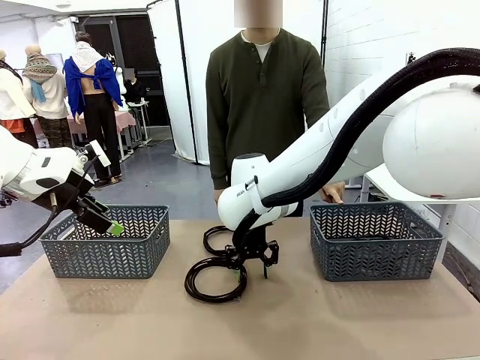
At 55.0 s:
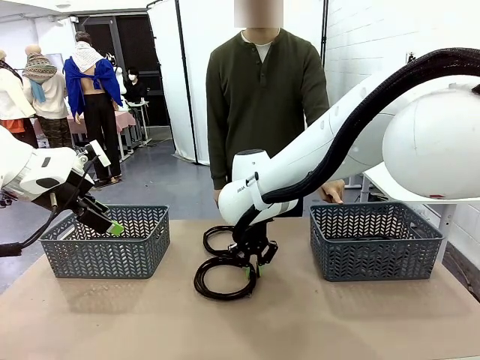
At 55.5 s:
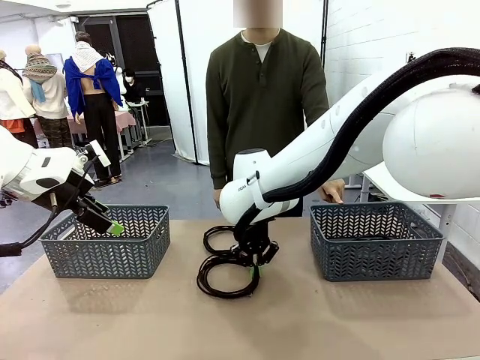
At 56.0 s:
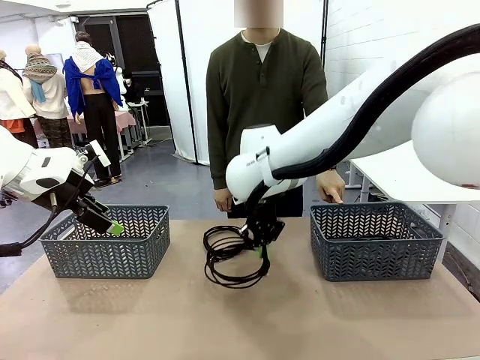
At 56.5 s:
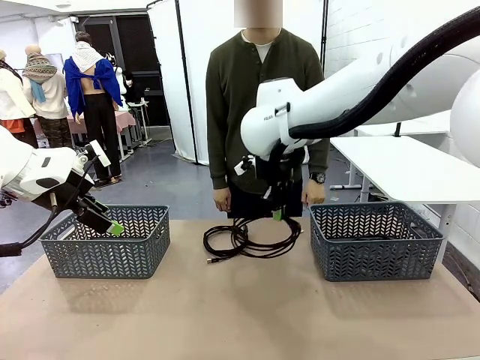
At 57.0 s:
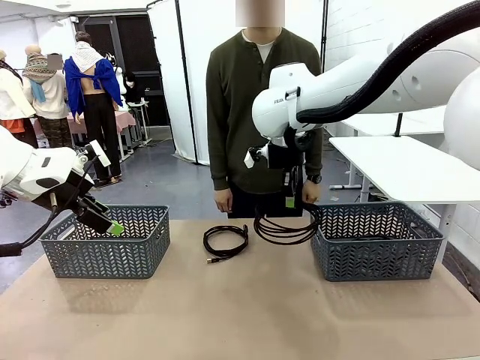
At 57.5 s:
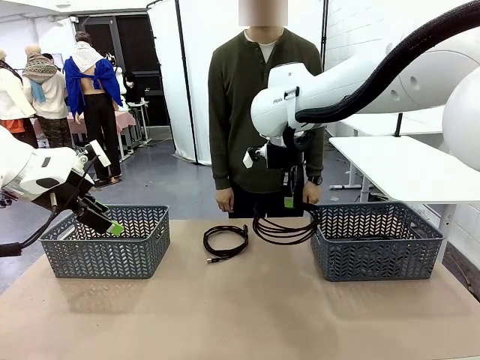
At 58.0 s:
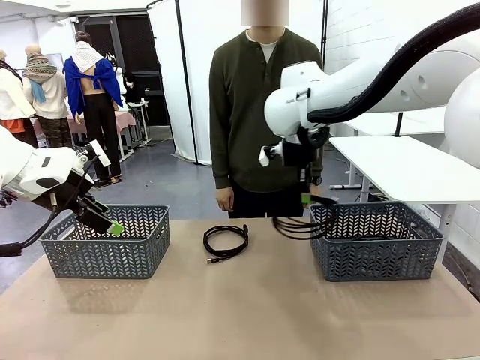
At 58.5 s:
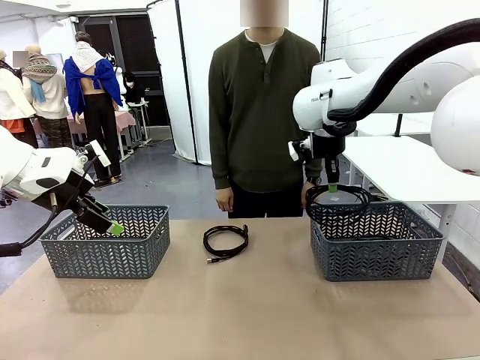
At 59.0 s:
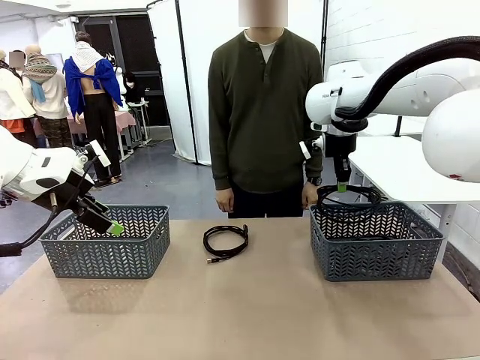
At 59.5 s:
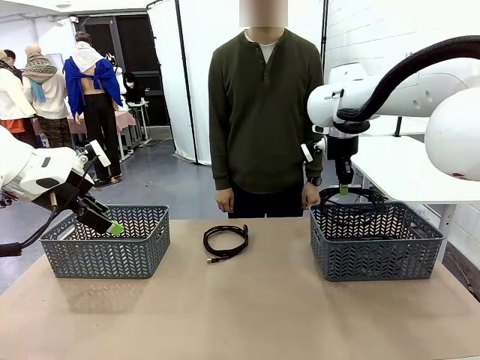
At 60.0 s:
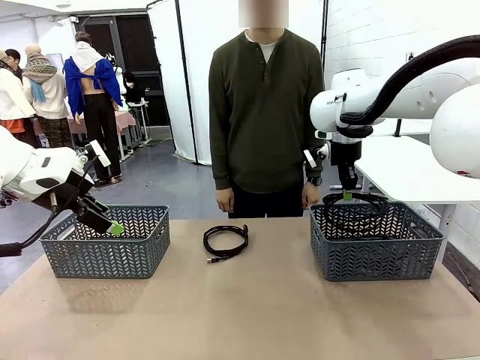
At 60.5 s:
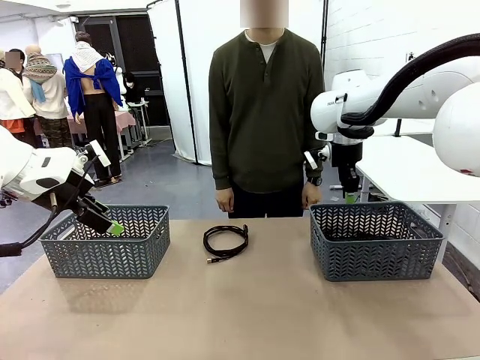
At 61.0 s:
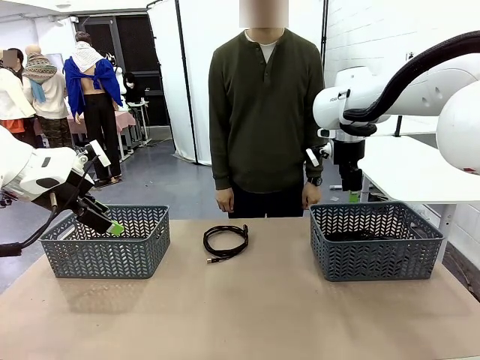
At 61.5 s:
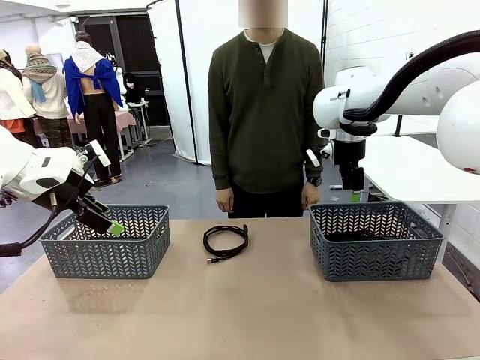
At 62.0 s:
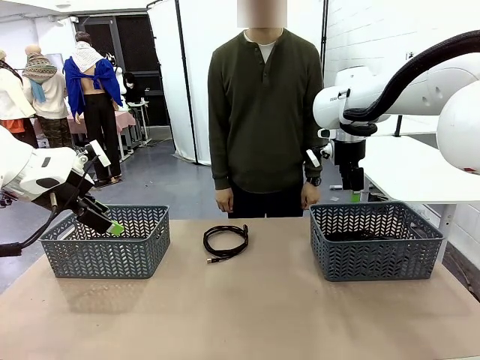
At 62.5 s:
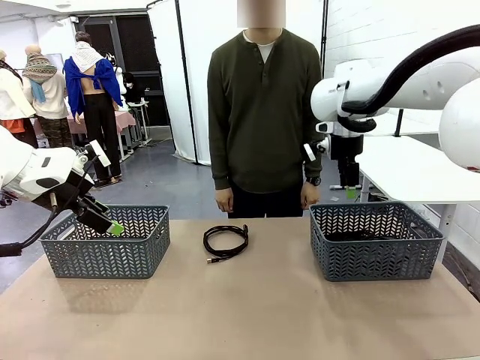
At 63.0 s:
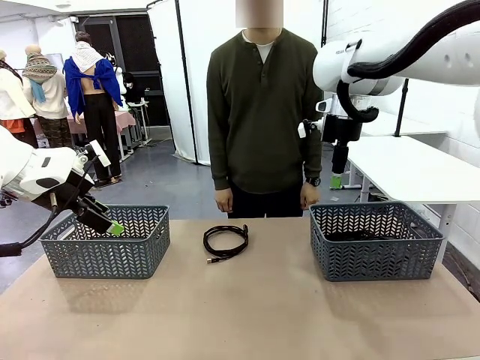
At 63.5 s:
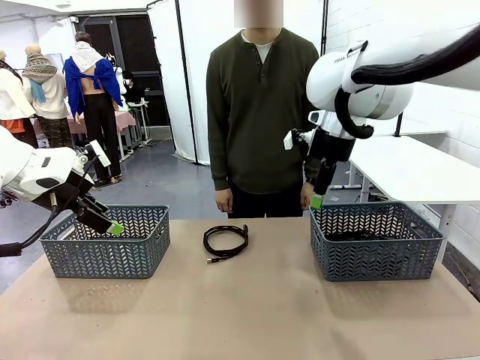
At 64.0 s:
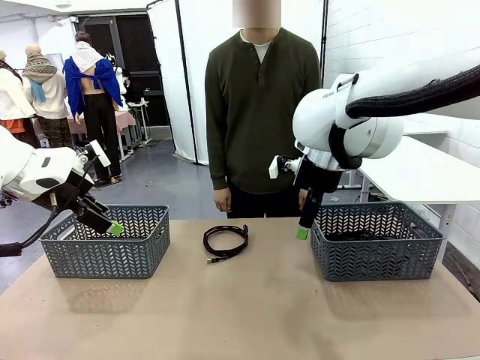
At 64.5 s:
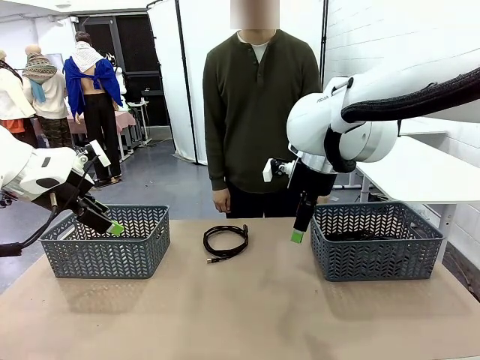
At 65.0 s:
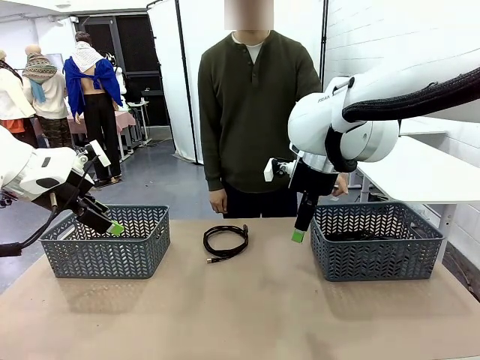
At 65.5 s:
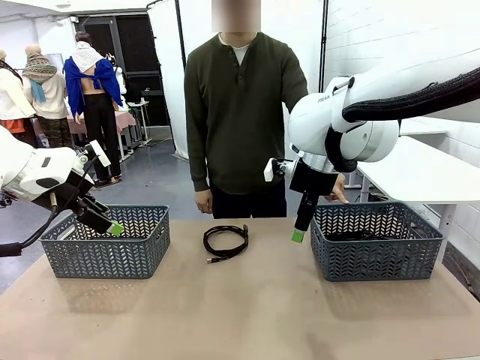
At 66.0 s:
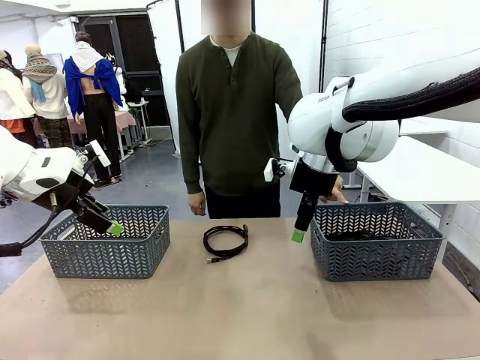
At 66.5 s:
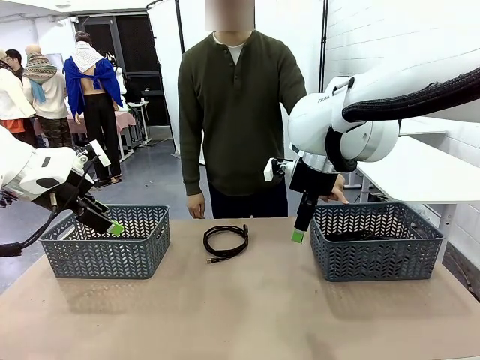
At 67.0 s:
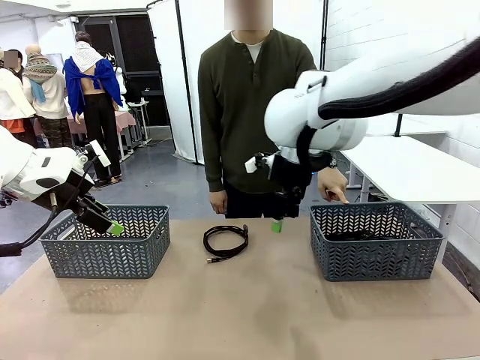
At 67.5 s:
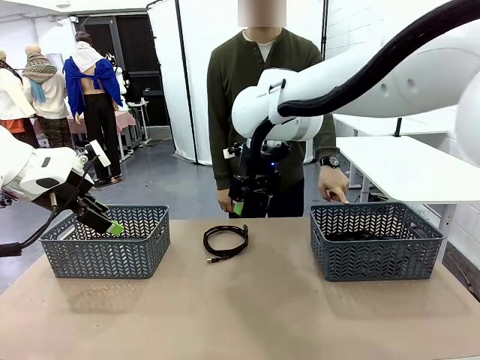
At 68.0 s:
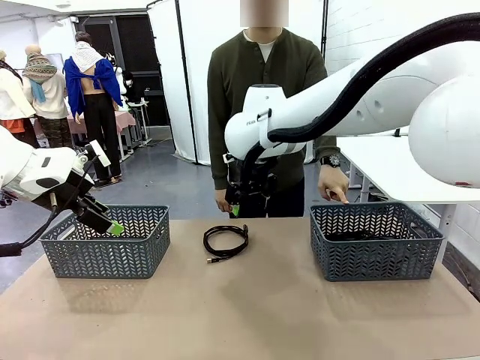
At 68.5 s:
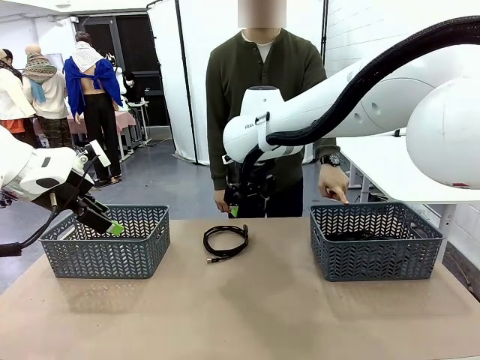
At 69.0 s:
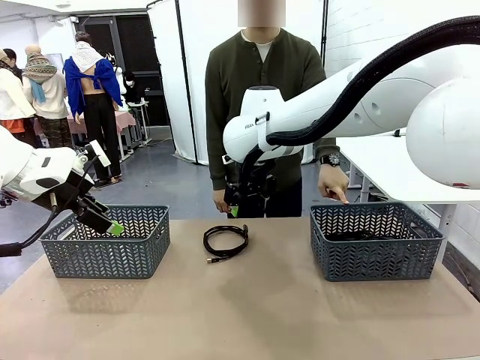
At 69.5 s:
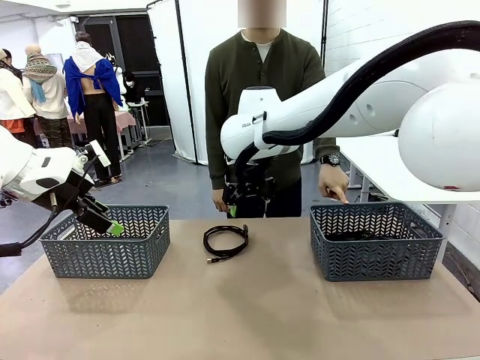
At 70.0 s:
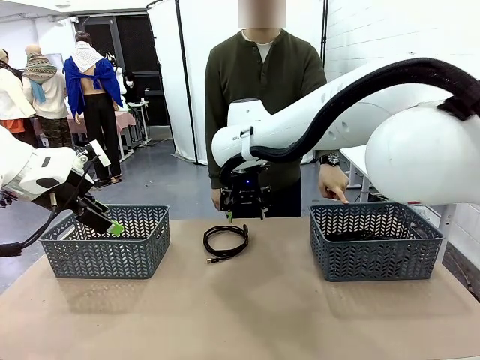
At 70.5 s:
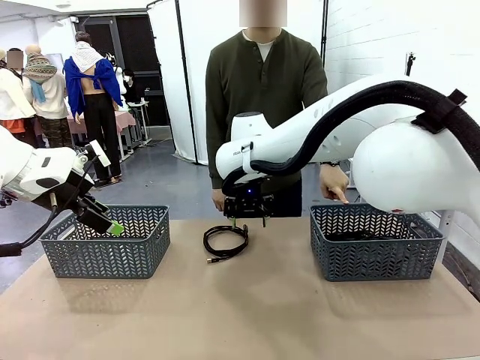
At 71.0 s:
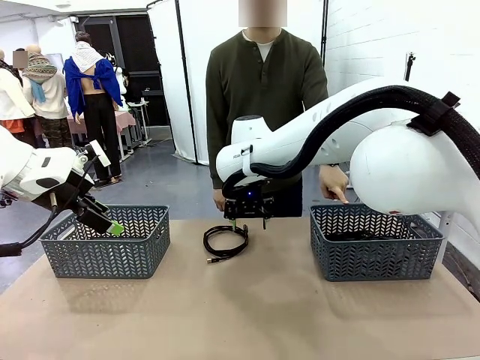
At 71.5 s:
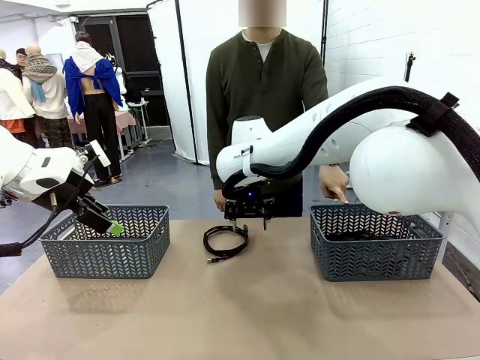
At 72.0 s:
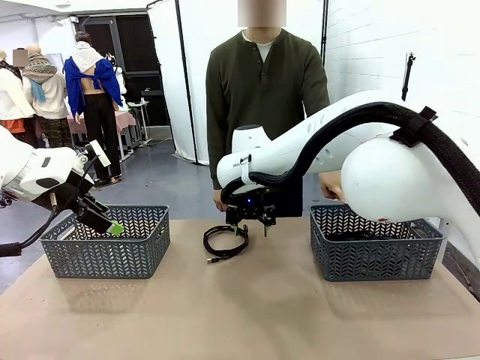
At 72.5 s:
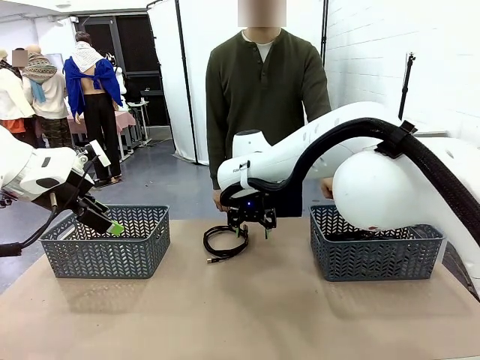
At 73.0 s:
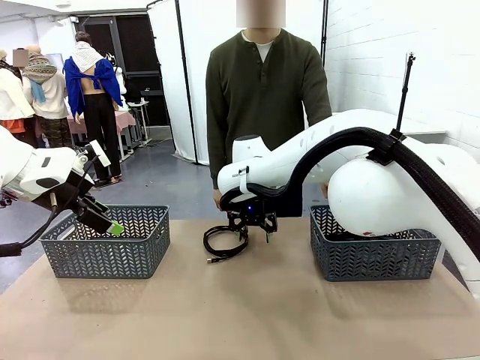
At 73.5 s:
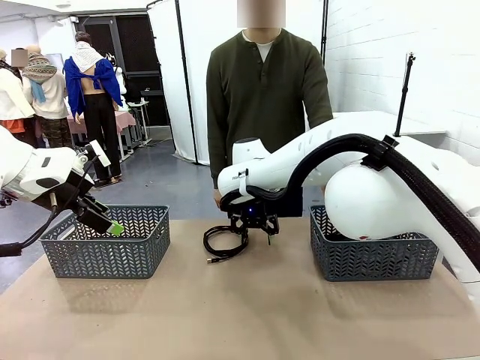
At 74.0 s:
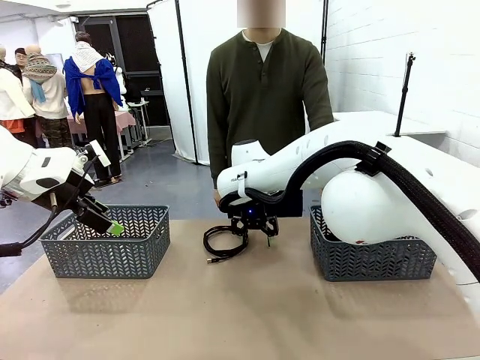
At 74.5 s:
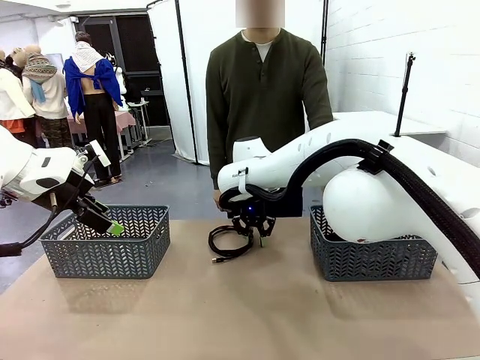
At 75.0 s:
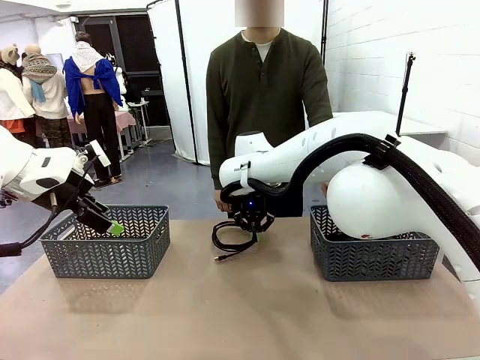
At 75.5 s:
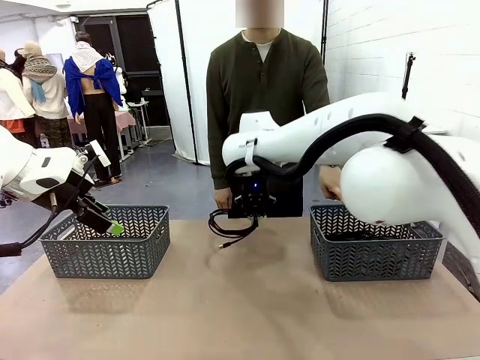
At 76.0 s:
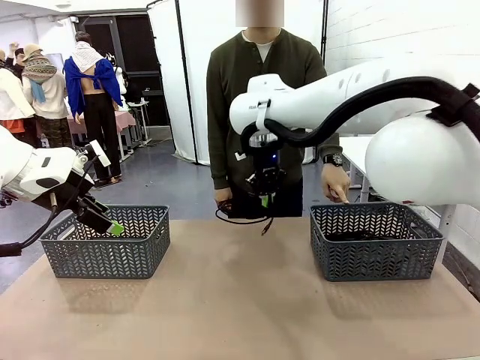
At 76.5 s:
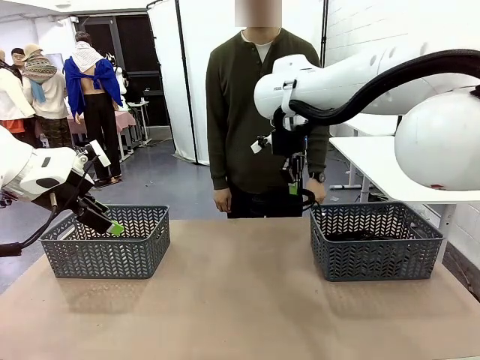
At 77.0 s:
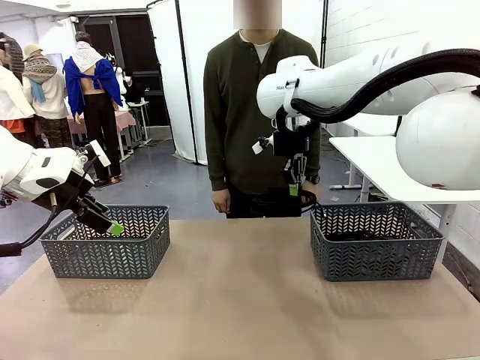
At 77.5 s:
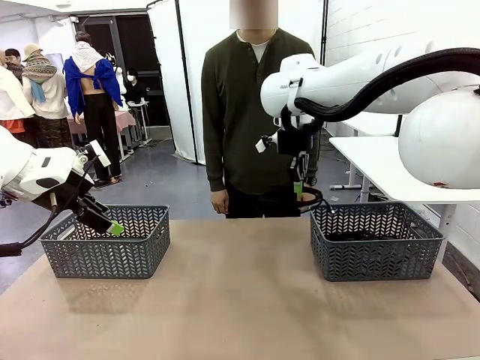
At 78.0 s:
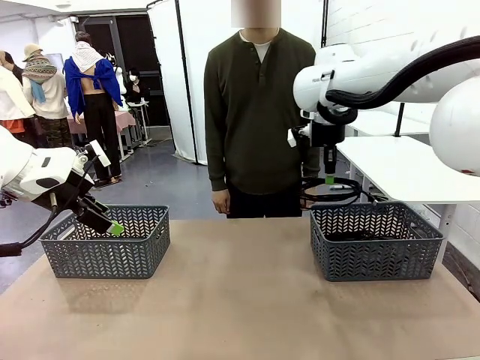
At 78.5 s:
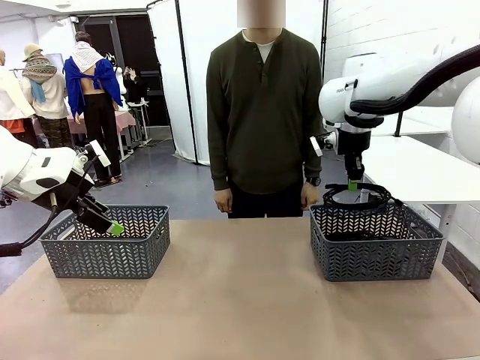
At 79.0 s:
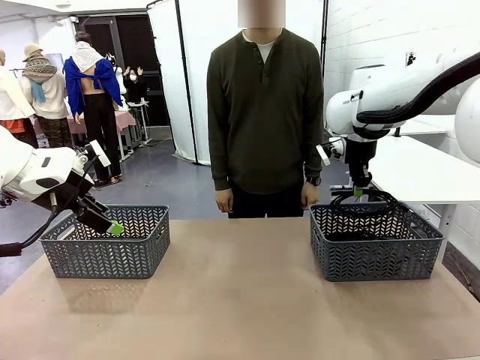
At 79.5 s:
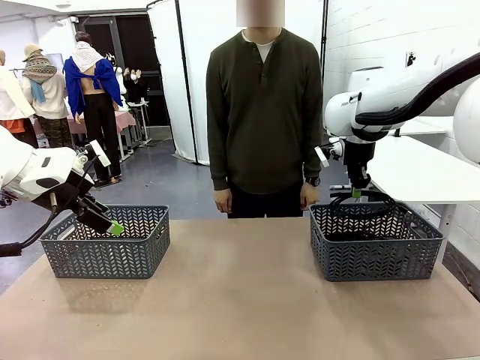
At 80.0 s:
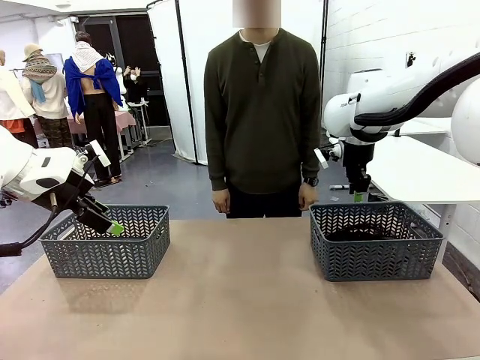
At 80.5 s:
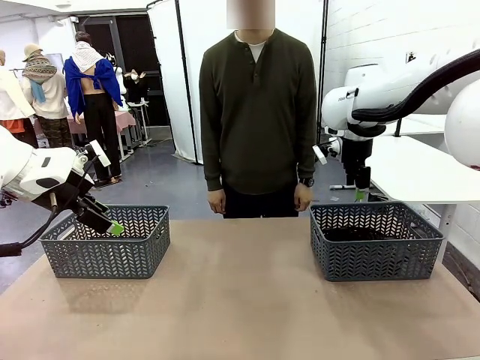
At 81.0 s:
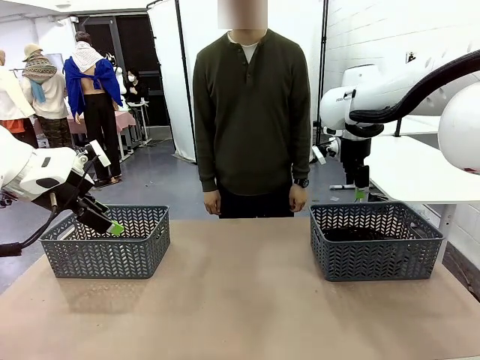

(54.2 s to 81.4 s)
Task: Organize the cables according to human instructions.
Robot: Pick up a bundle of cables and place it in the basket indicated by the human.
